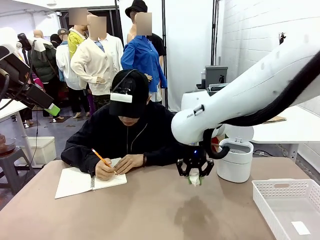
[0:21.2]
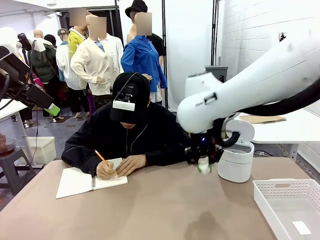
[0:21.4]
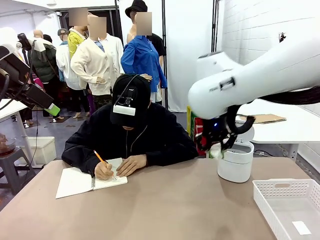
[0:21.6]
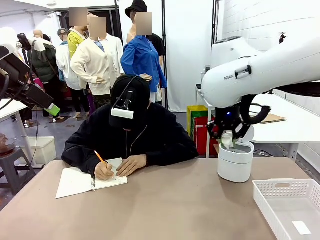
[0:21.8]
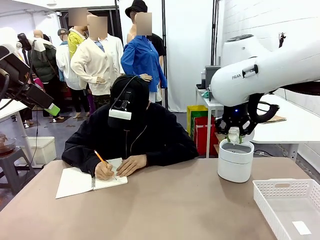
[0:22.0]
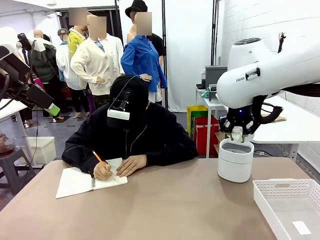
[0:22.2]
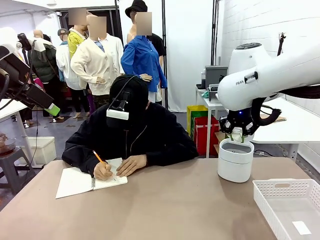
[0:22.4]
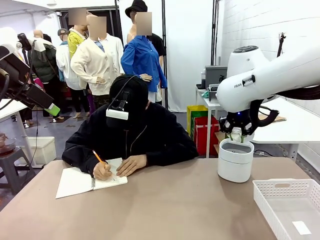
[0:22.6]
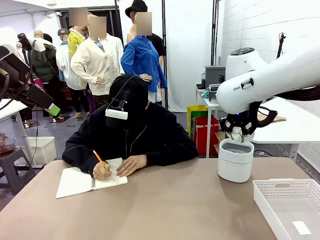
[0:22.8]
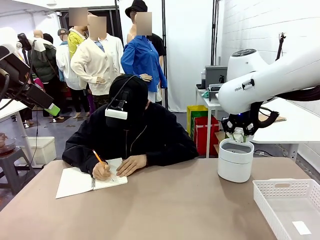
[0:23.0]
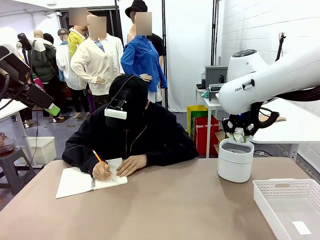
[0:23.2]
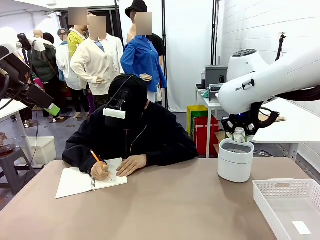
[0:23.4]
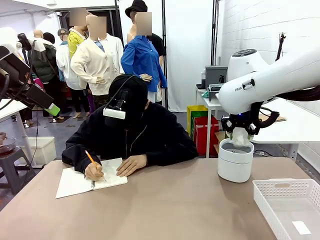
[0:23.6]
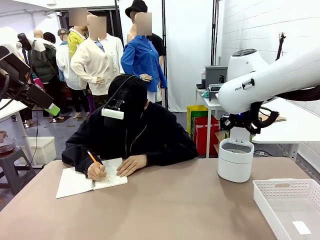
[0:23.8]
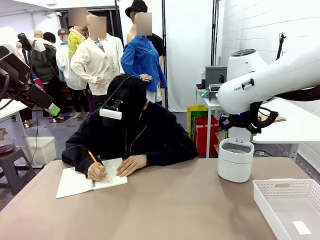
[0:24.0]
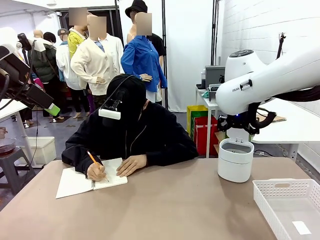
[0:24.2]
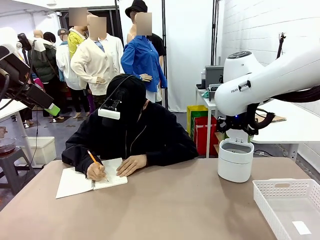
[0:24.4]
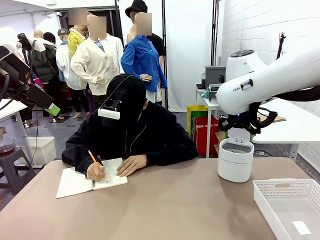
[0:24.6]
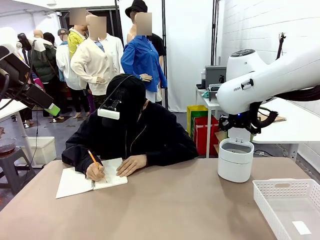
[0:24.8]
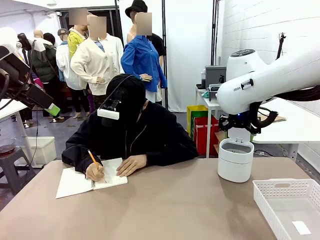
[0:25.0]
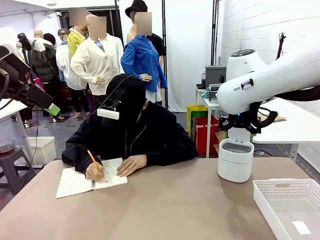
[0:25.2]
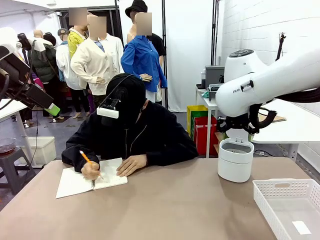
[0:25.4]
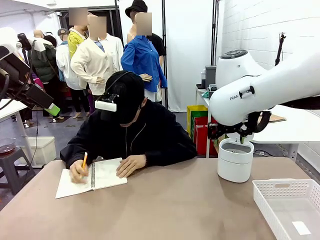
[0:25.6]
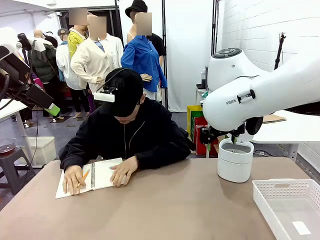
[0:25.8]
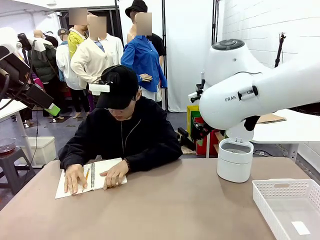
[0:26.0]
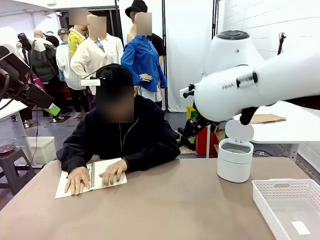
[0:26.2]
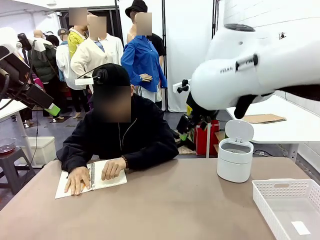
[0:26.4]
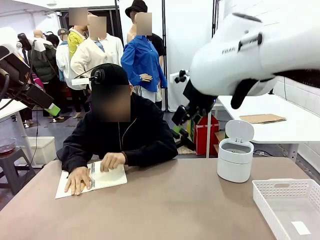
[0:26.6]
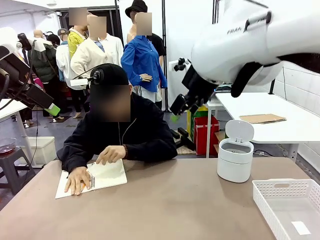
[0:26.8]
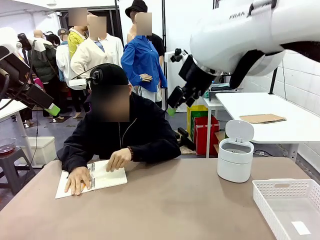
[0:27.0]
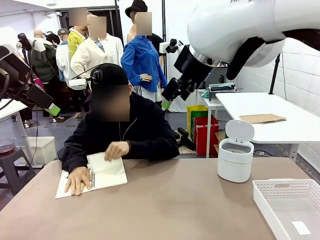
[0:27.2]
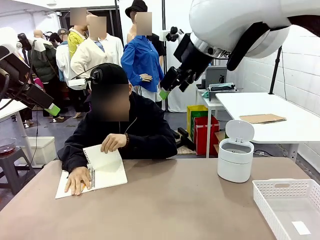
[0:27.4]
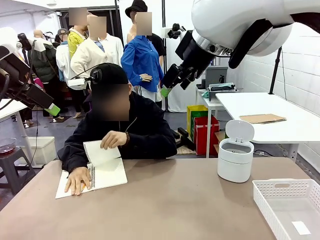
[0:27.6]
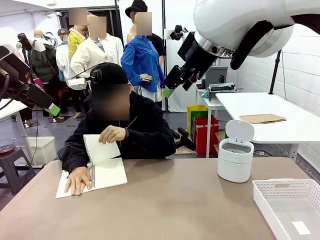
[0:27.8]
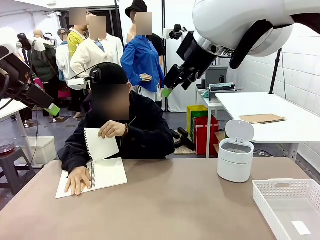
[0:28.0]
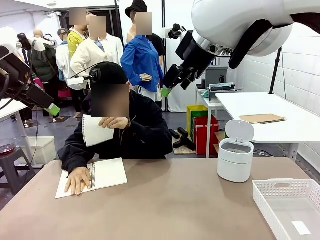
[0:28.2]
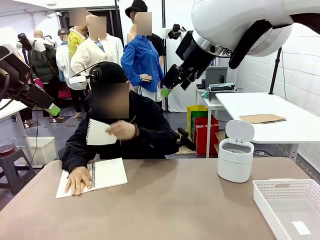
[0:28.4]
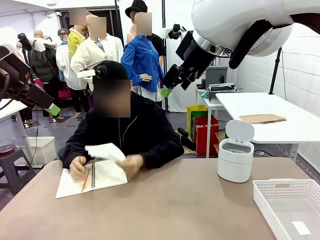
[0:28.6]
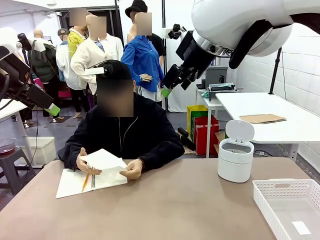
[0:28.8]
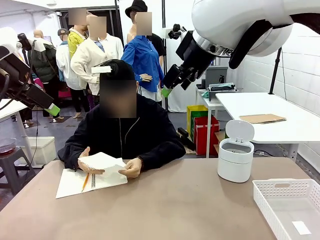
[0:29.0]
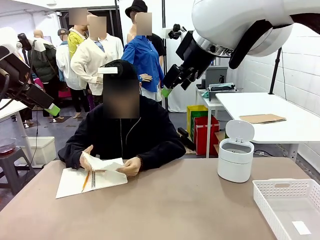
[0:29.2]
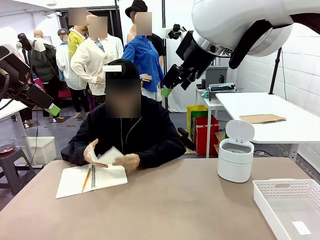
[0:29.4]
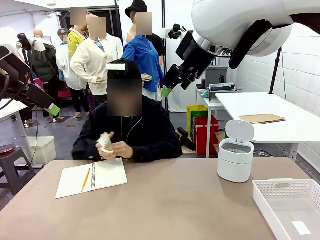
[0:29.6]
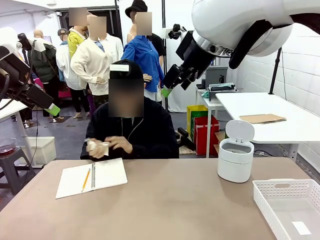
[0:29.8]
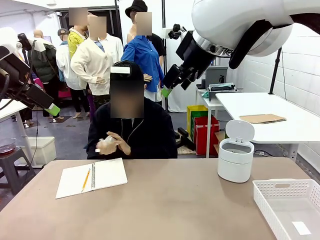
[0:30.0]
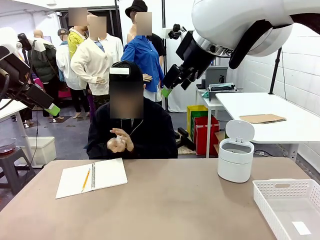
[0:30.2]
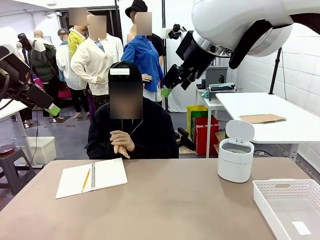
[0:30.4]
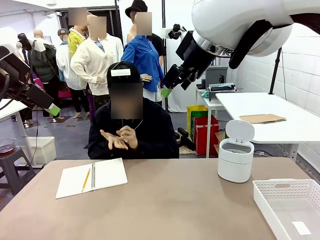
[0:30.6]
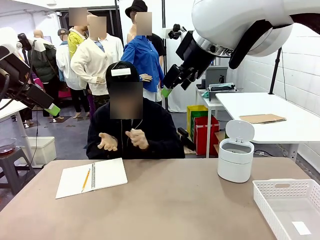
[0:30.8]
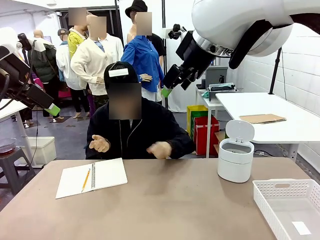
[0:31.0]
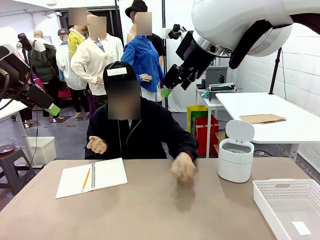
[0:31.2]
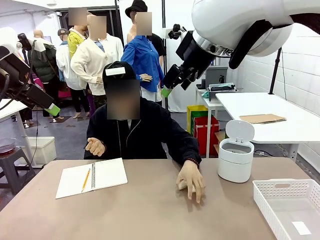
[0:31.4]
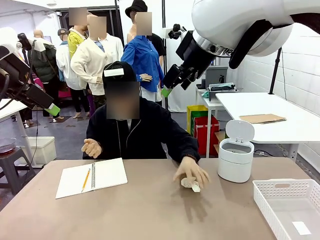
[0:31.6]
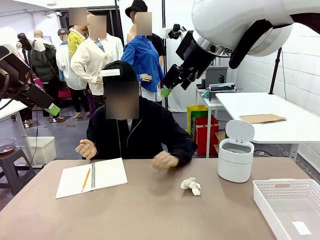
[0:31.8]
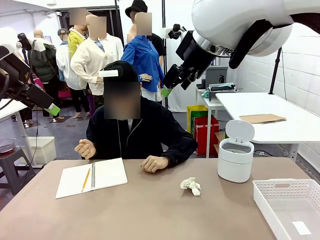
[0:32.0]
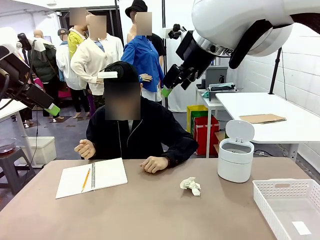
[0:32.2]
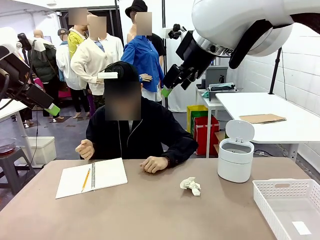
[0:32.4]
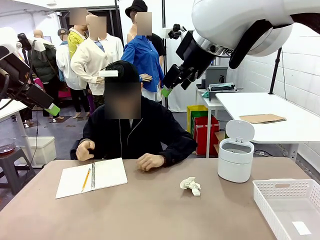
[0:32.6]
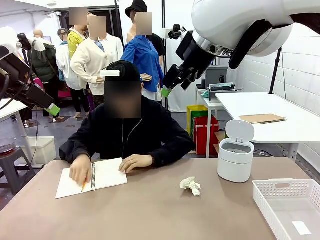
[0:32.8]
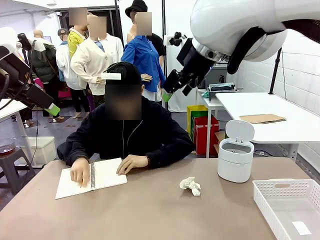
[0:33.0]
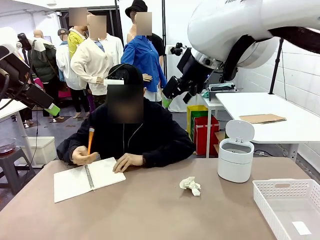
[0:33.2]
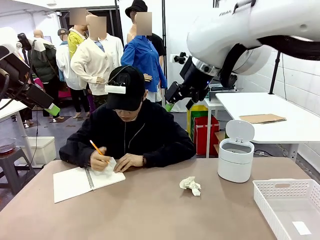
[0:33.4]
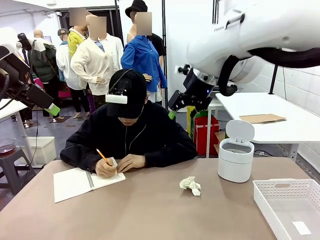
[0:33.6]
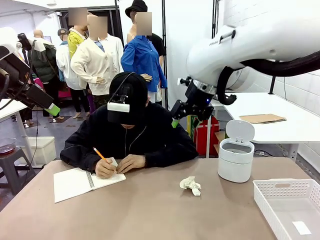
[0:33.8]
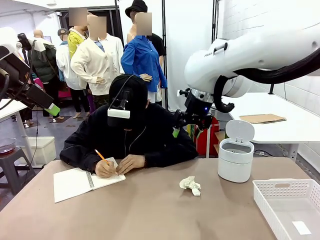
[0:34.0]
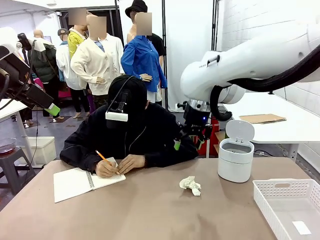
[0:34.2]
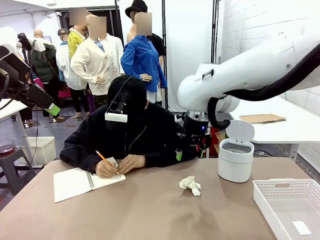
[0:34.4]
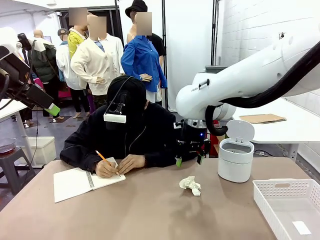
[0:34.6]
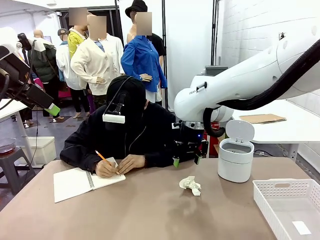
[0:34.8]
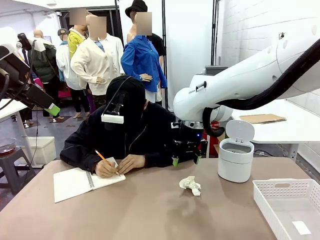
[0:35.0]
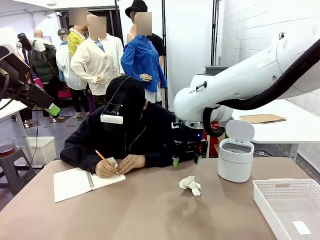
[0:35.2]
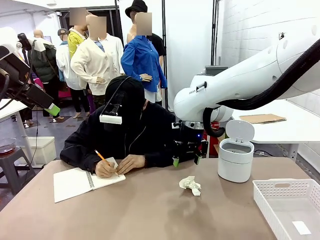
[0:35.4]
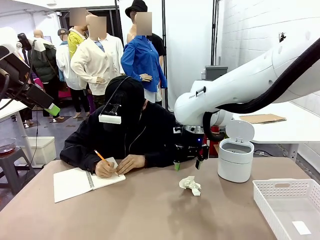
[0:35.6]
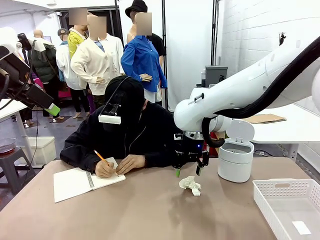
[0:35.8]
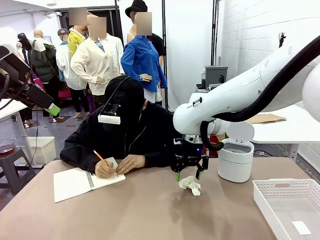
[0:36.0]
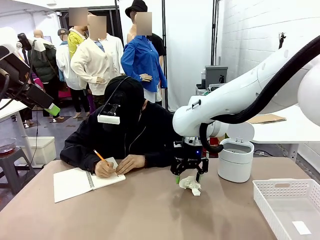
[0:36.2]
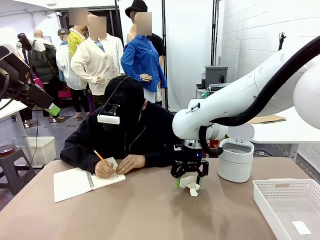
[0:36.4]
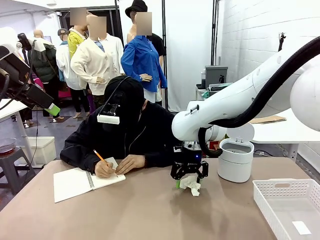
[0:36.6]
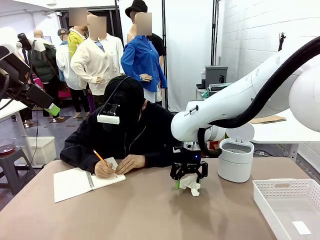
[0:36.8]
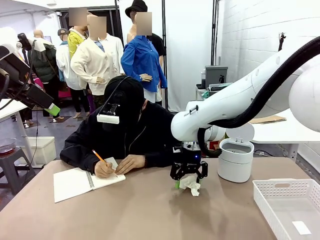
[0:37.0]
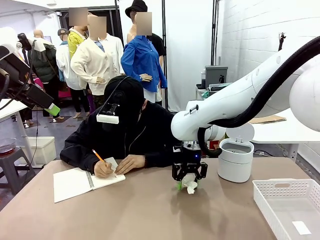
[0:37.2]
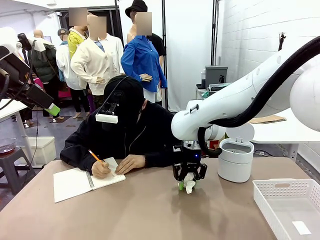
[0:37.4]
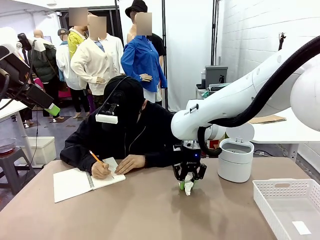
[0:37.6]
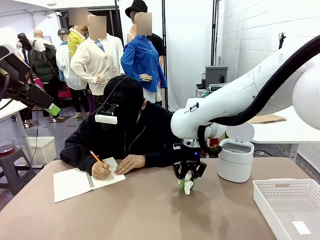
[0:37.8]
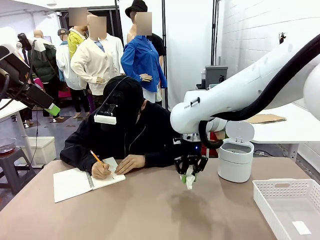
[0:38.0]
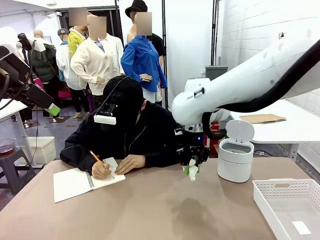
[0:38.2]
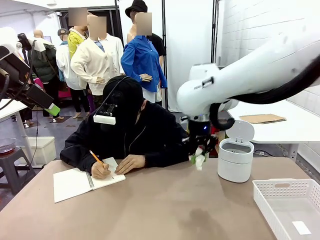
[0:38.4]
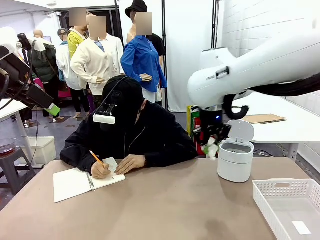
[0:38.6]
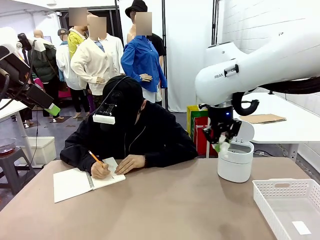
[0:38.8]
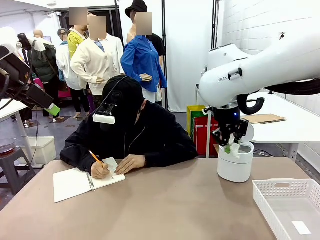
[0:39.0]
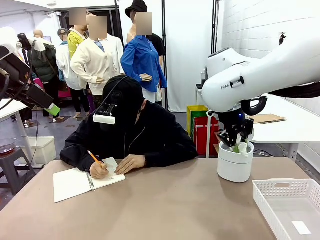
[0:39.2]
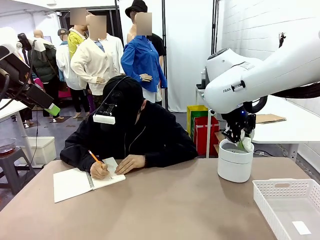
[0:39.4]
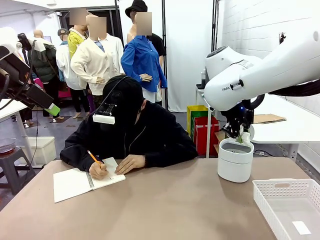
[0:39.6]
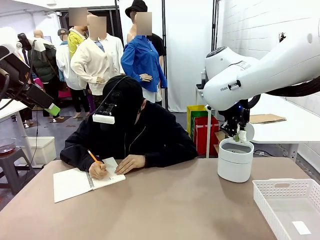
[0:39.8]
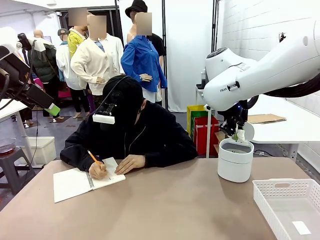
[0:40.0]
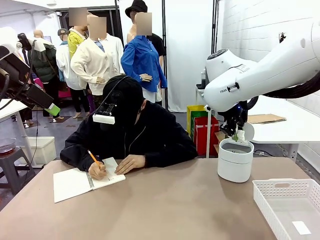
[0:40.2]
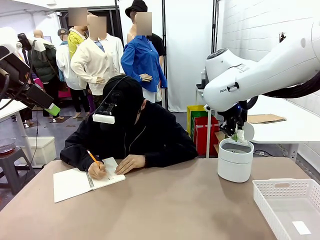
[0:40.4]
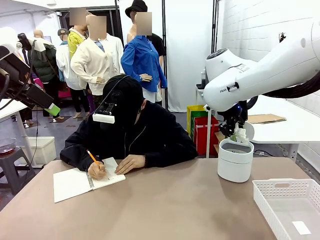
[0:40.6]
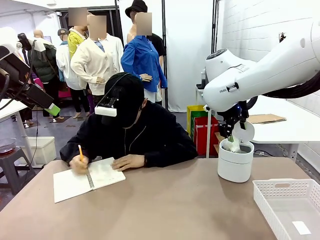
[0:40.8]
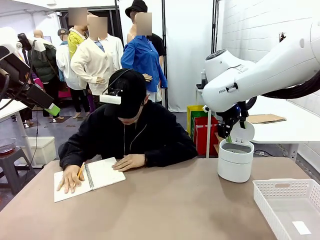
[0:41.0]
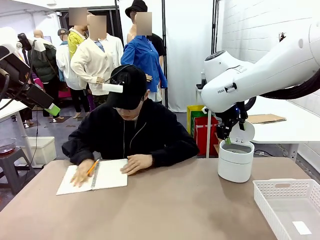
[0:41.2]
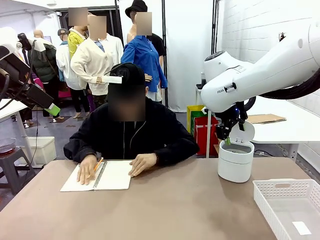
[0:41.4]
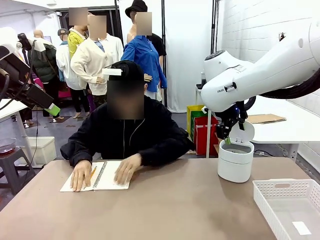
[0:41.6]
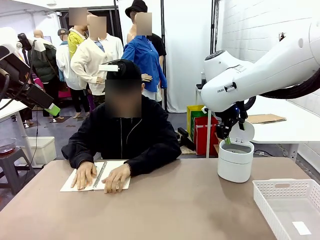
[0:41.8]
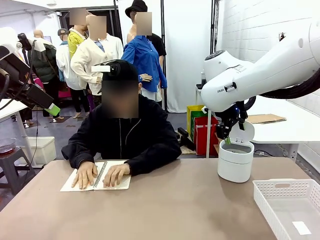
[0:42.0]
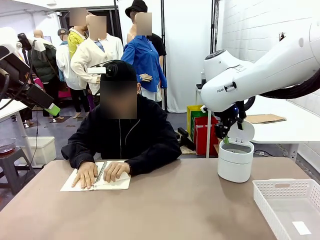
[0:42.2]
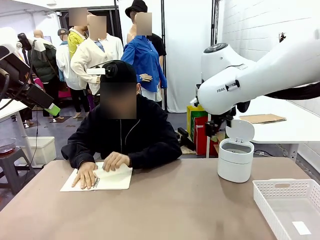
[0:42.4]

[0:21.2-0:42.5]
Task: Sort the paper based on its condition.
Robot: If a person hands you a paper, place it in the Organizing basket , and if it's crumpled, put it in the Trash can.
Person: Tear out a page from the spiral notebook. Hand the torn page to the robot or crumple it and throw it to the center of the table. Tear out a page from the spiral notebook.
